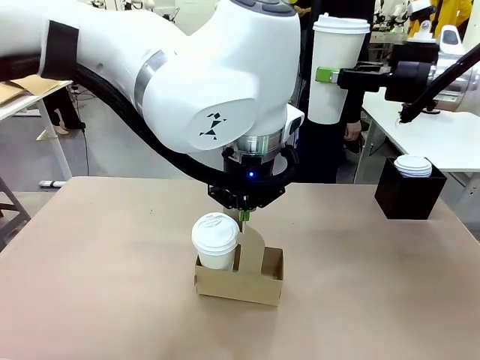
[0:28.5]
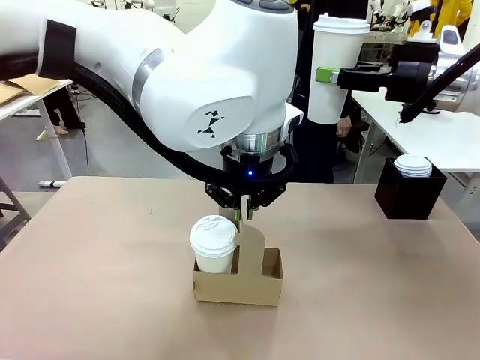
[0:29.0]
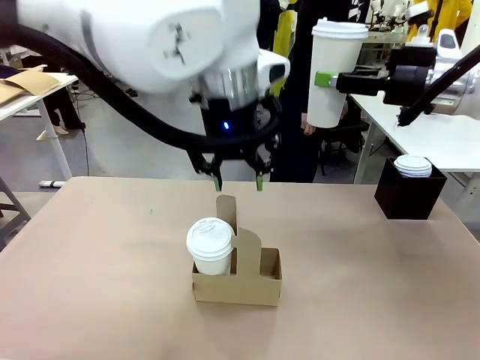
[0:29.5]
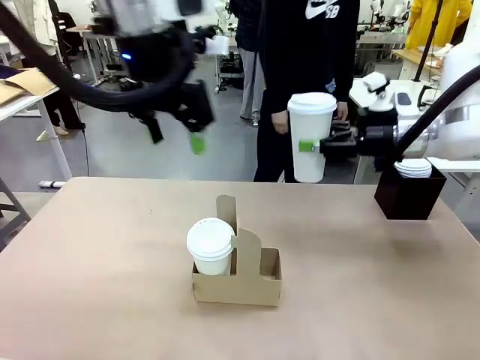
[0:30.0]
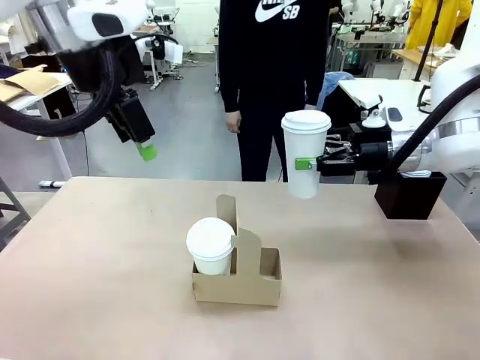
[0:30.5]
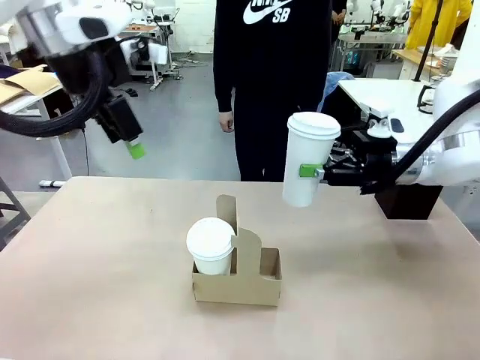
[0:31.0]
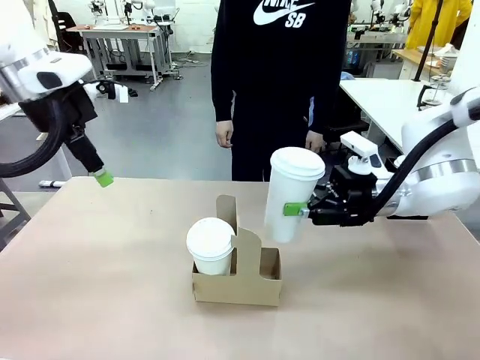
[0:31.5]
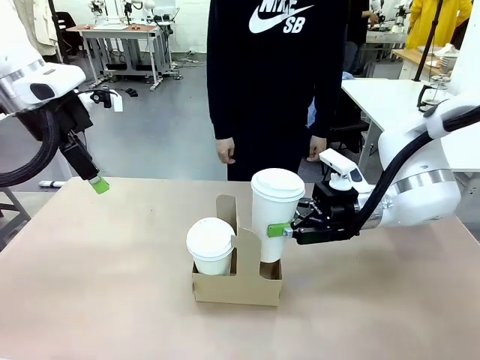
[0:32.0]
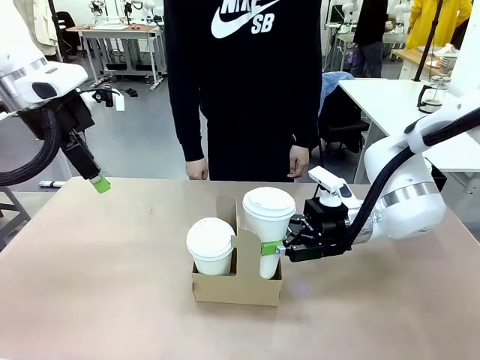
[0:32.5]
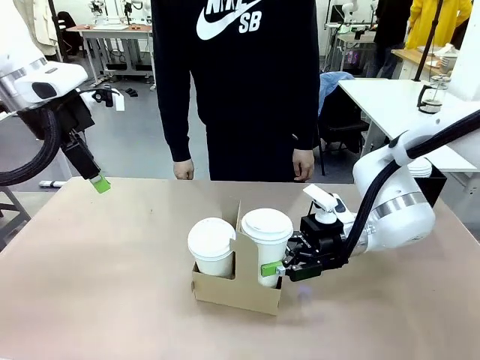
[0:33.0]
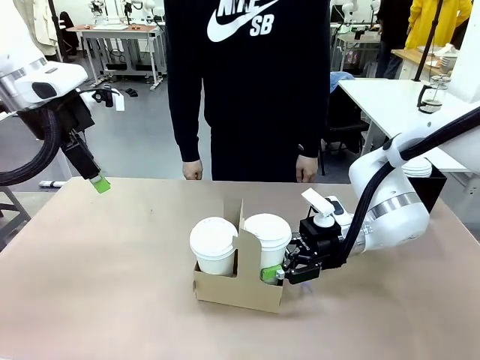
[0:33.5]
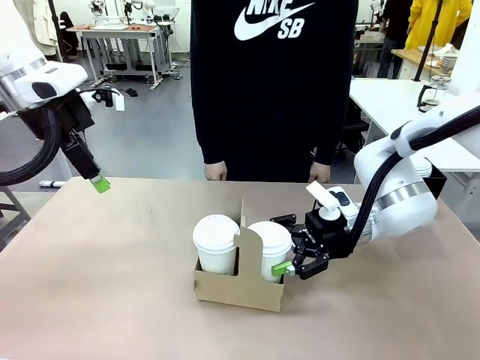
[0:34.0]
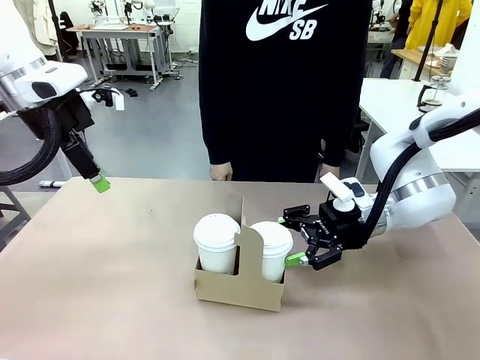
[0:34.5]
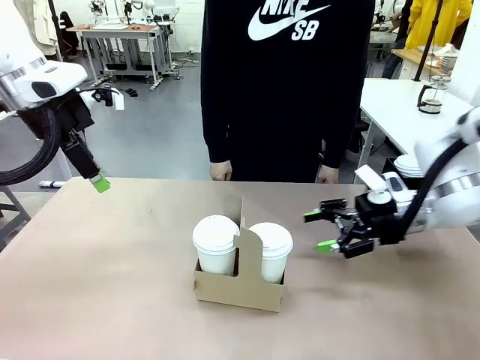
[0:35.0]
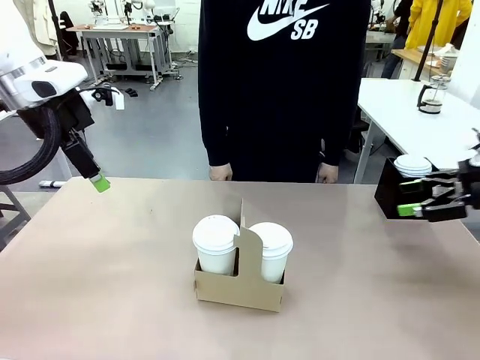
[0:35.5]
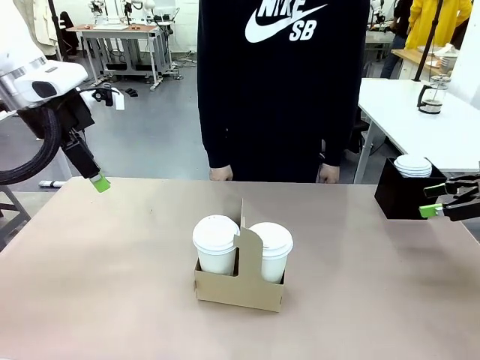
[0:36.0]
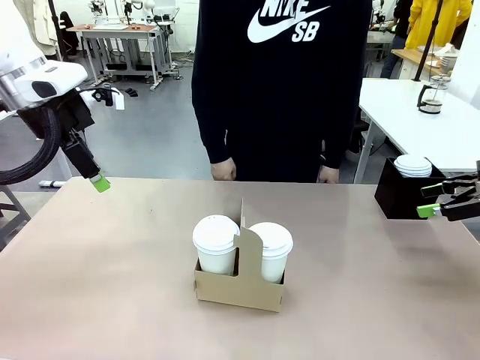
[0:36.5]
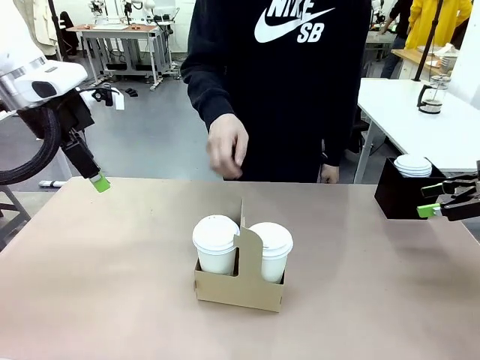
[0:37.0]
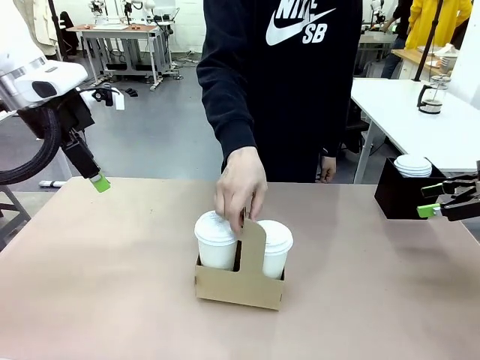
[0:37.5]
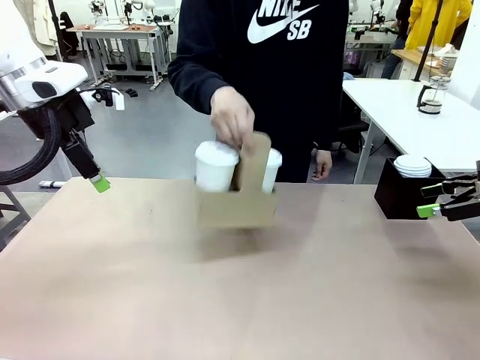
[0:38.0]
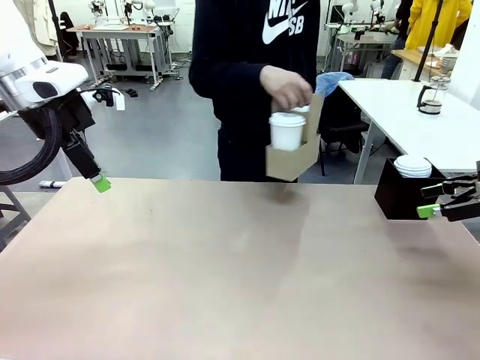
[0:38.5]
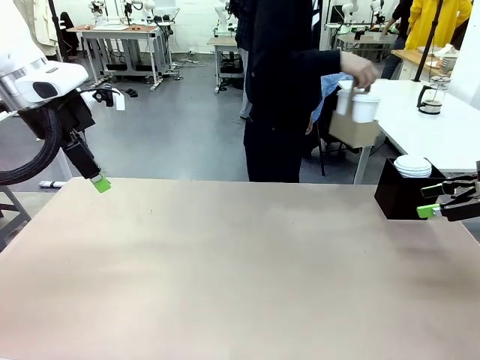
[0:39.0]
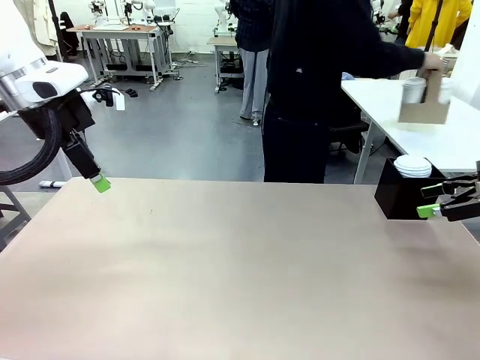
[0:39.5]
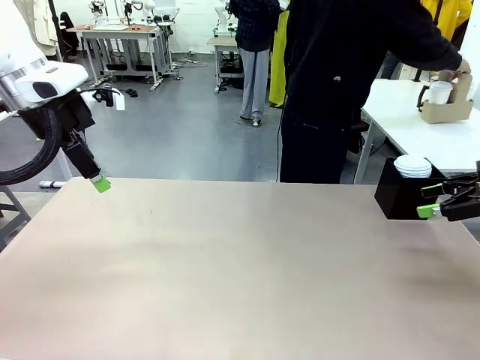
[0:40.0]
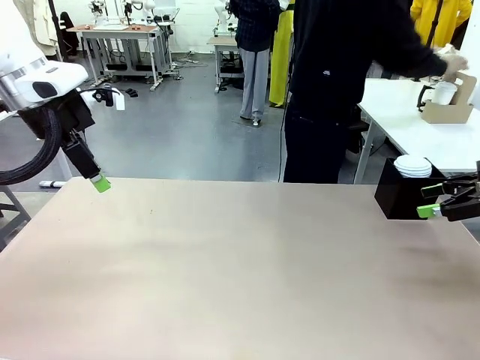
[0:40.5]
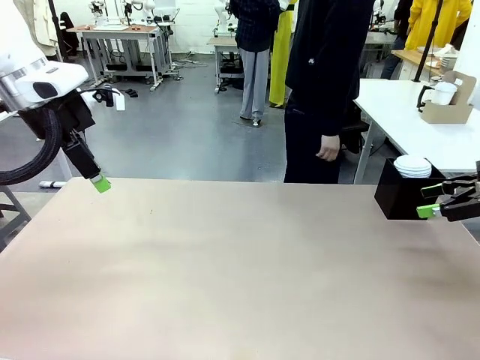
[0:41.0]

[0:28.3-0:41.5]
Task: Pour a drink into a cup and package it in a carrier.
Robot: Insert the held 600 ml Paper Cup into the Cup Carrier.
Person: Place the Cup Carrier to the middle of Human table.

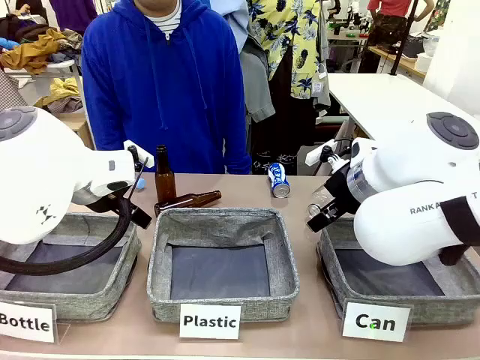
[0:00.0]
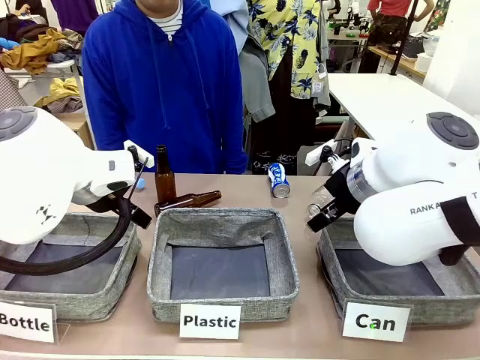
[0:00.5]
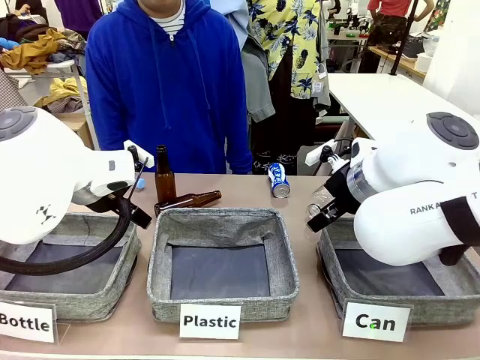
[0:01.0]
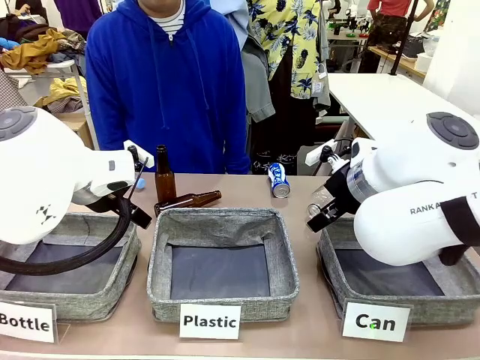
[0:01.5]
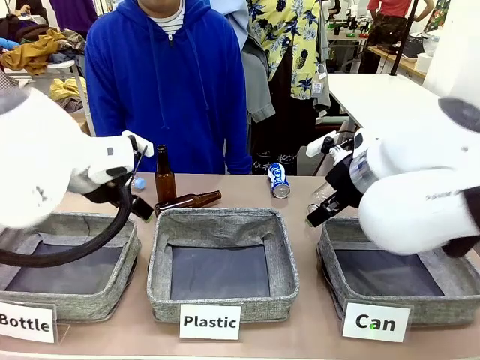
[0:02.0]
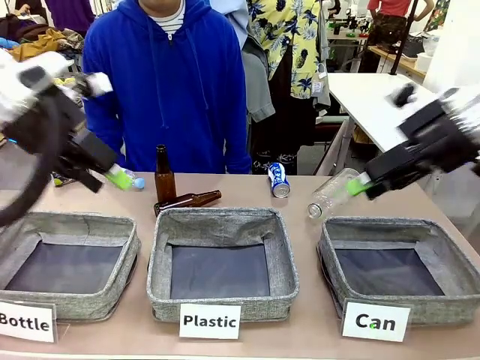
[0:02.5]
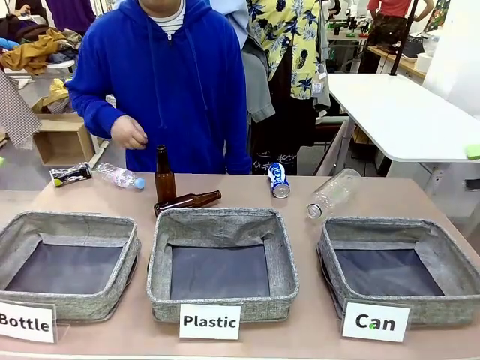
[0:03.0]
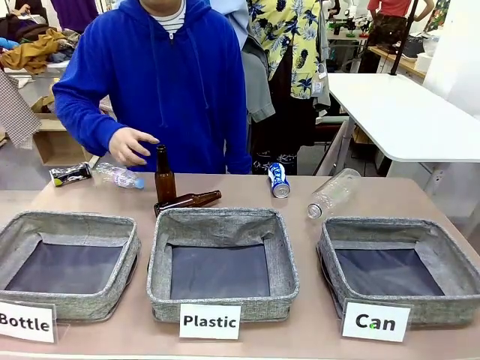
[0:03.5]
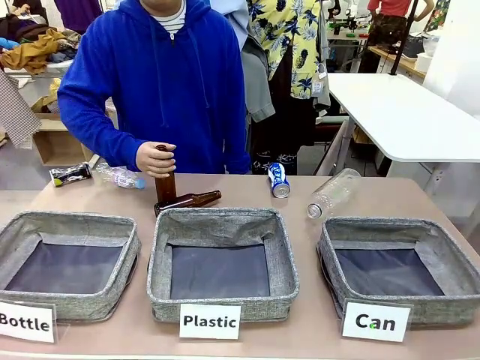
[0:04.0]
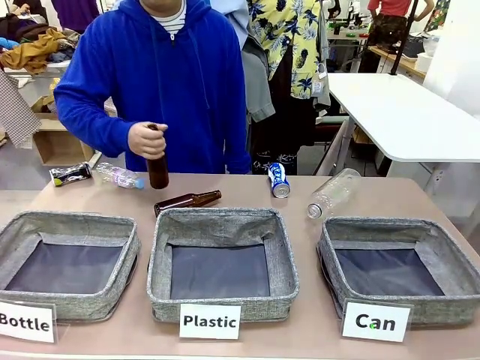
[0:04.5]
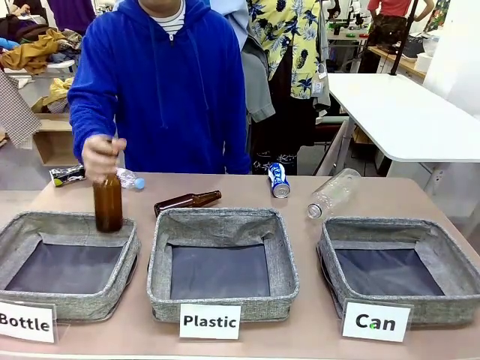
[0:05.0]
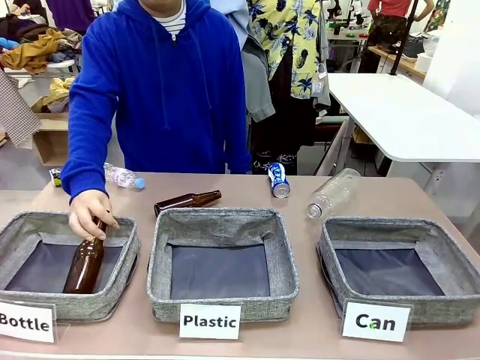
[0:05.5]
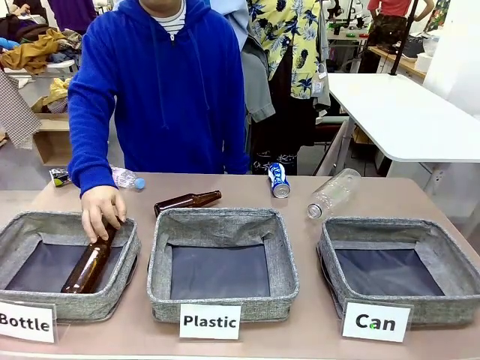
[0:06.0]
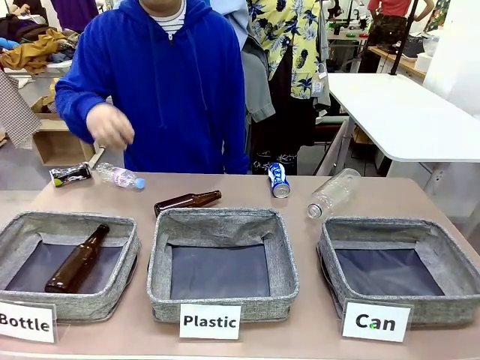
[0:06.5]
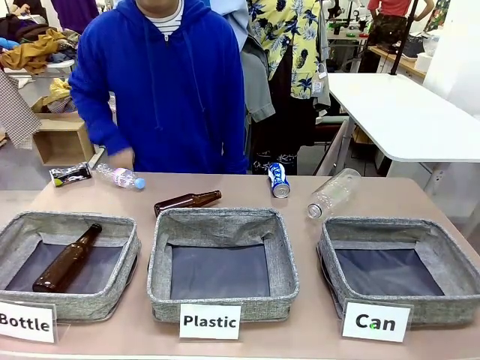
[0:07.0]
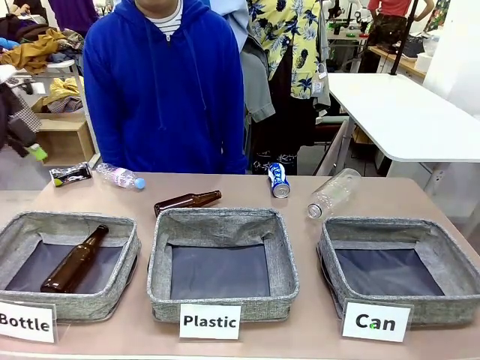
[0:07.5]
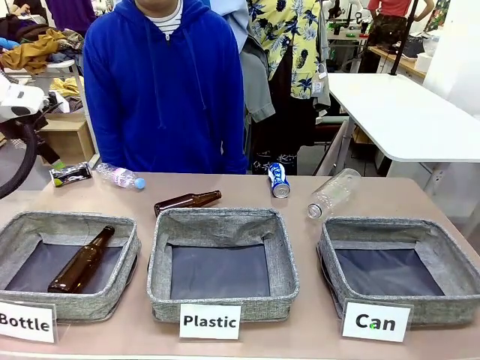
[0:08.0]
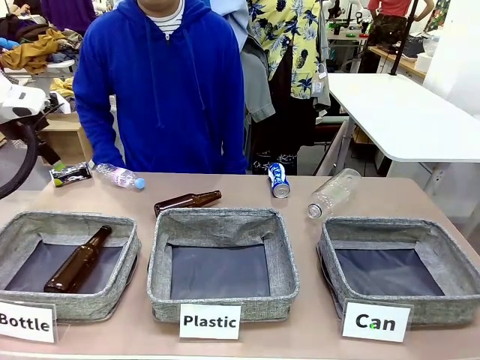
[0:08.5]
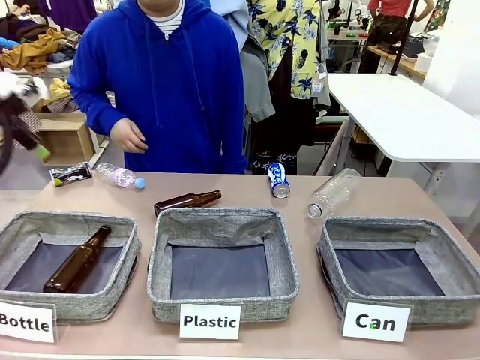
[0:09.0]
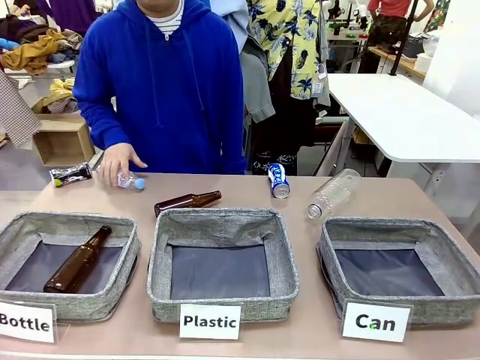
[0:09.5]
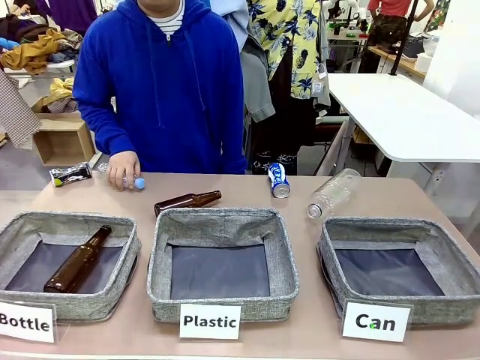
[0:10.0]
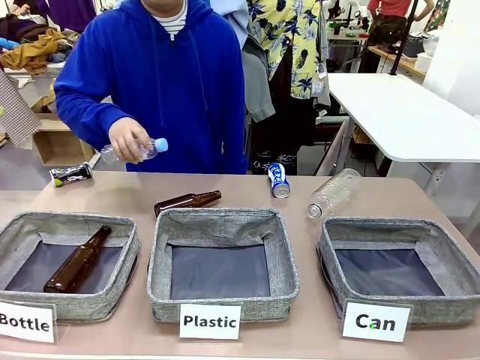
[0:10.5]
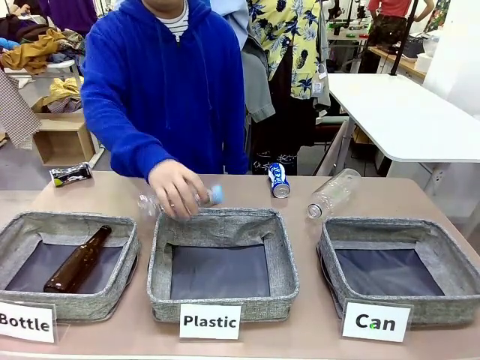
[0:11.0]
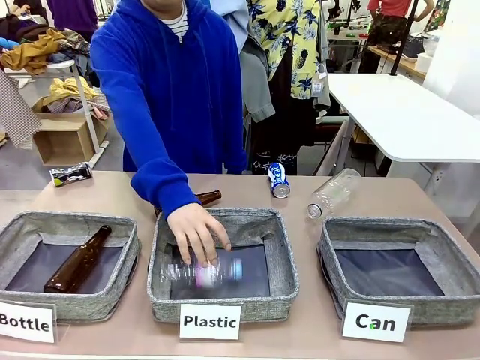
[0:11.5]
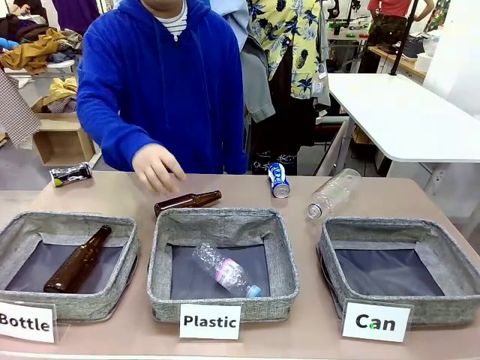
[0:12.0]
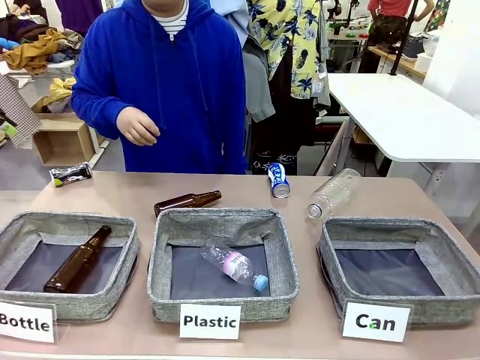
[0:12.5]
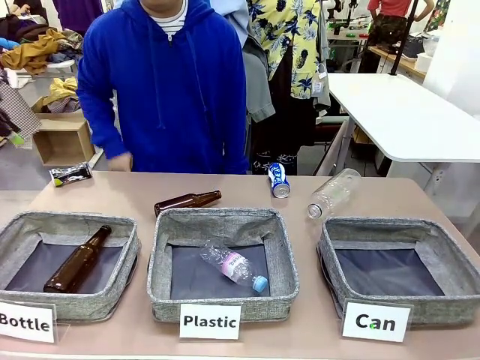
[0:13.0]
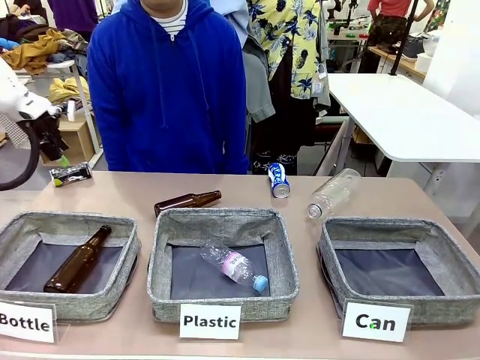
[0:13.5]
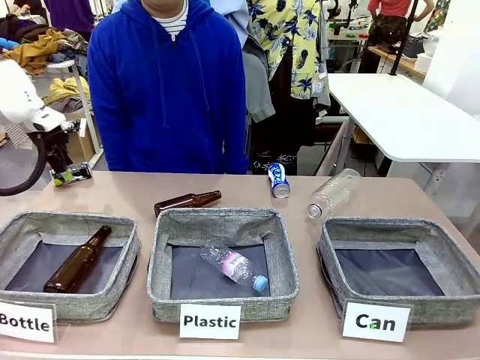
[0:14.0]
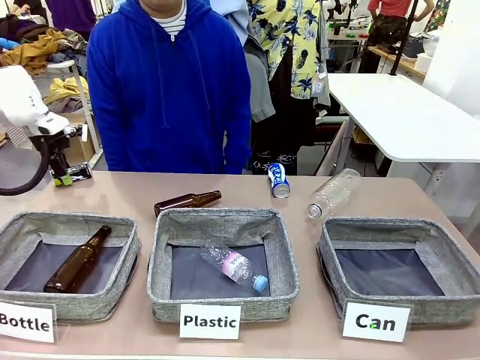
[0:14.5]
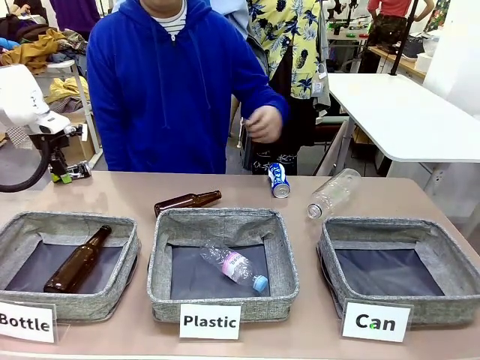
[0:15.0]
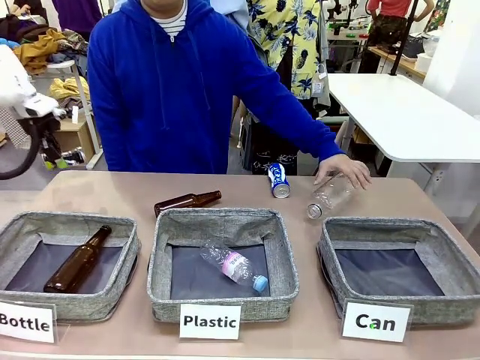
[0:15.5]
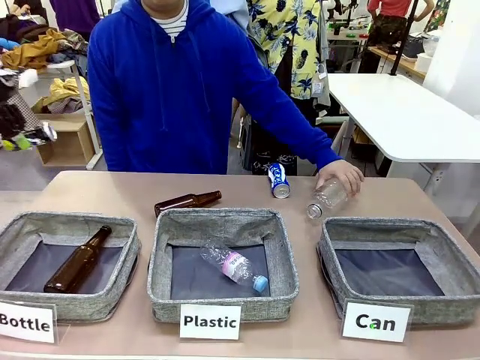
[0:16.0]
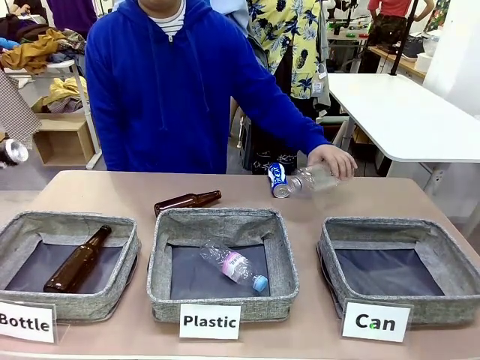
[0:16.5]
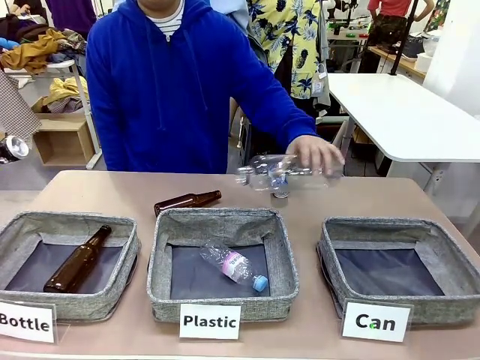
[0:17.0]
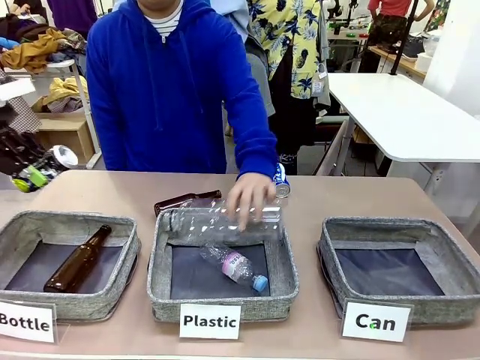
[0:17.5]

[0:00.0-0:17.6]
Task: Sort the can waste into the basket.
Robot: Pick up the can waste from the table and place it in the right Fabric basket.
